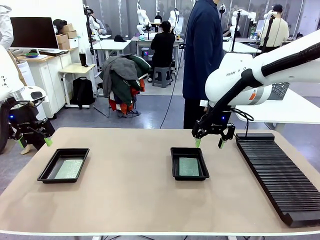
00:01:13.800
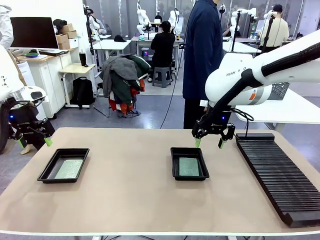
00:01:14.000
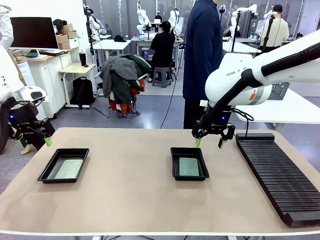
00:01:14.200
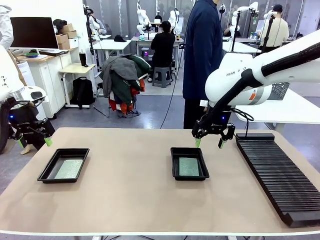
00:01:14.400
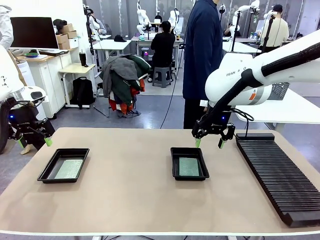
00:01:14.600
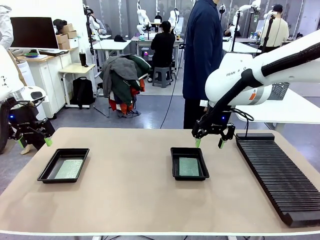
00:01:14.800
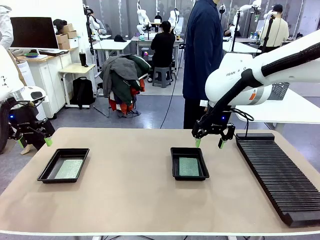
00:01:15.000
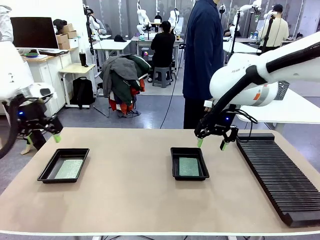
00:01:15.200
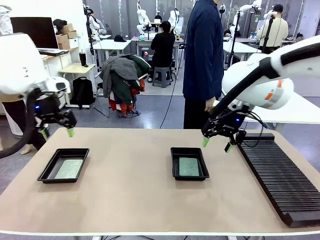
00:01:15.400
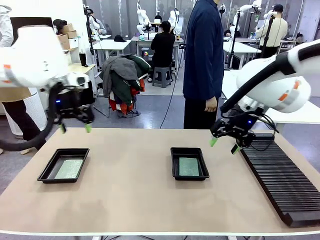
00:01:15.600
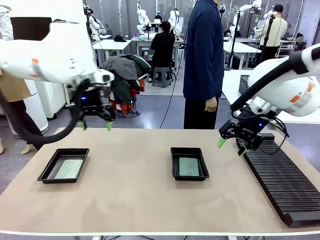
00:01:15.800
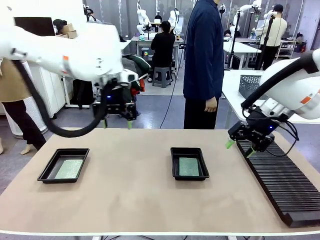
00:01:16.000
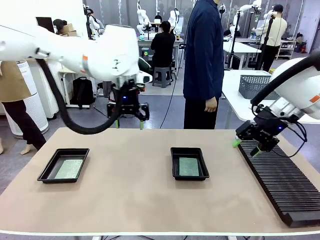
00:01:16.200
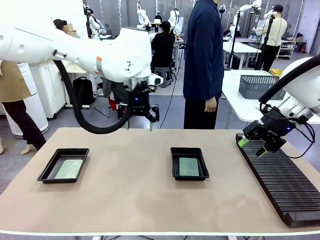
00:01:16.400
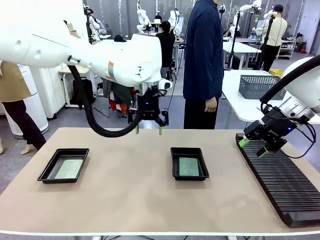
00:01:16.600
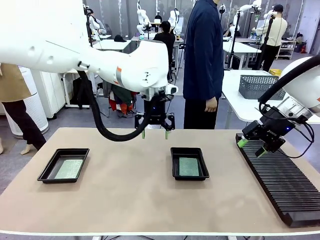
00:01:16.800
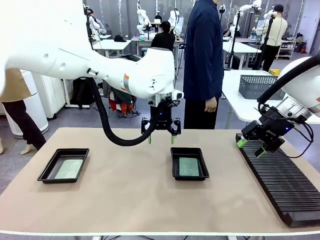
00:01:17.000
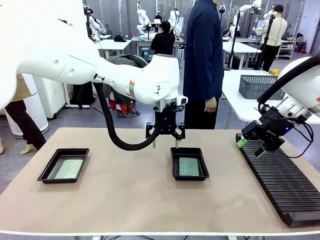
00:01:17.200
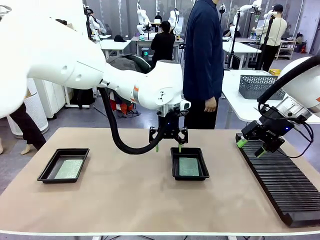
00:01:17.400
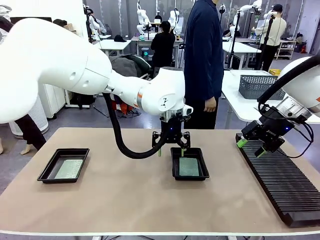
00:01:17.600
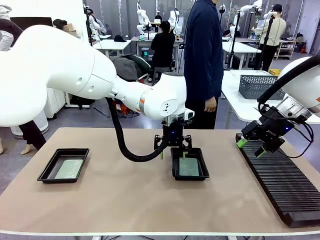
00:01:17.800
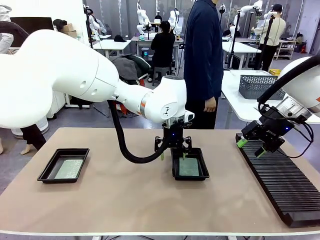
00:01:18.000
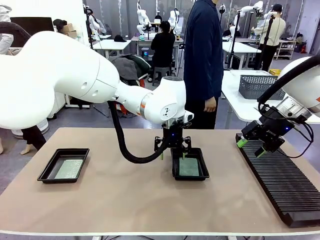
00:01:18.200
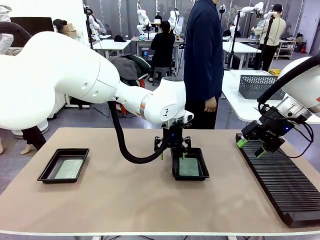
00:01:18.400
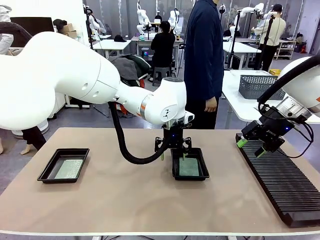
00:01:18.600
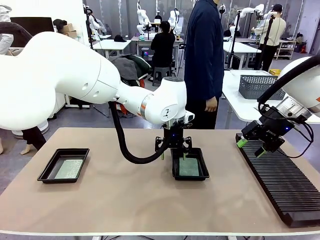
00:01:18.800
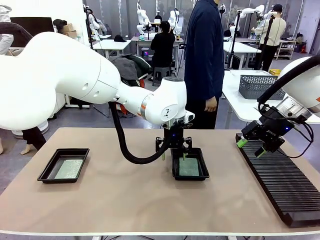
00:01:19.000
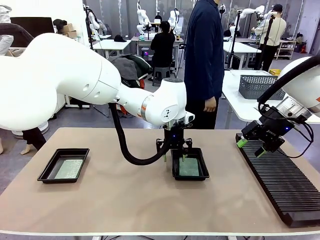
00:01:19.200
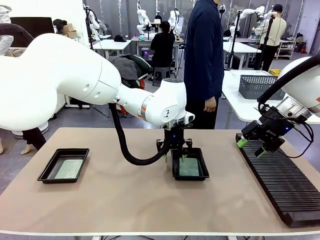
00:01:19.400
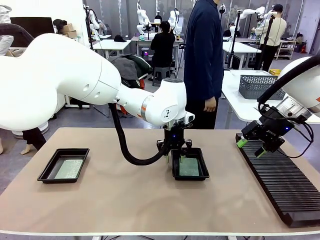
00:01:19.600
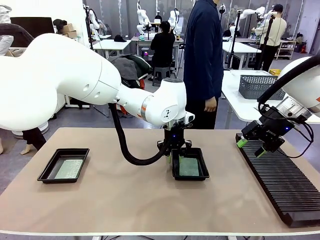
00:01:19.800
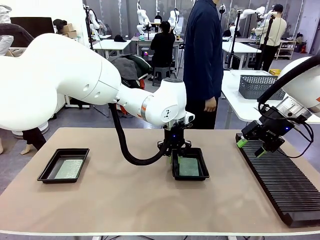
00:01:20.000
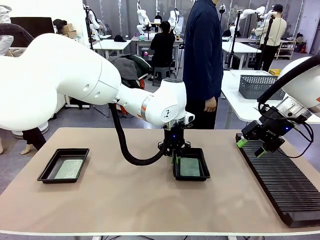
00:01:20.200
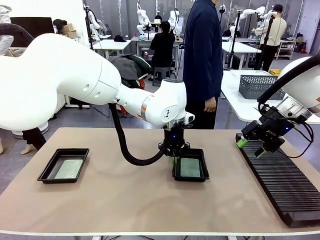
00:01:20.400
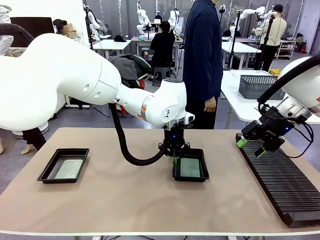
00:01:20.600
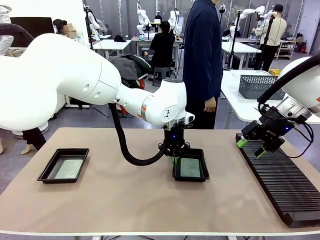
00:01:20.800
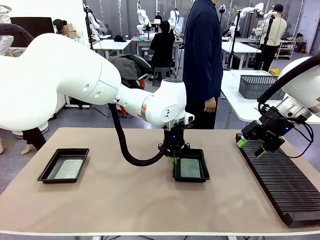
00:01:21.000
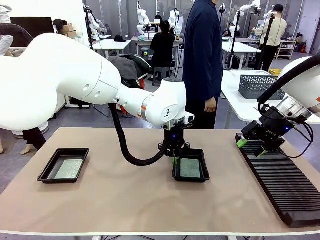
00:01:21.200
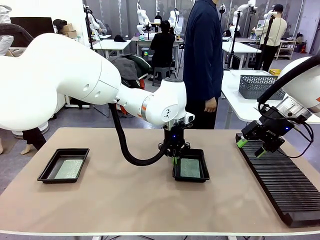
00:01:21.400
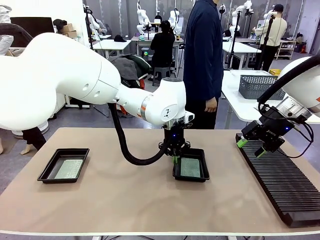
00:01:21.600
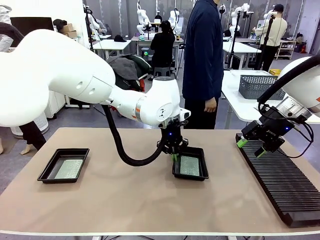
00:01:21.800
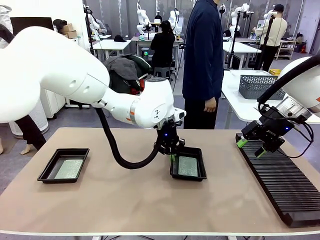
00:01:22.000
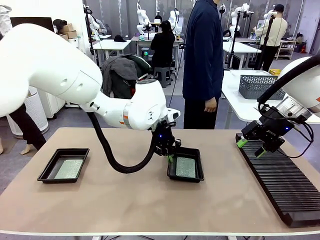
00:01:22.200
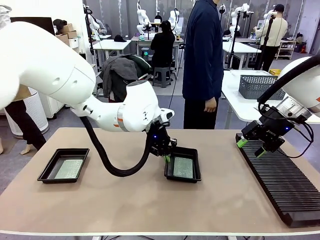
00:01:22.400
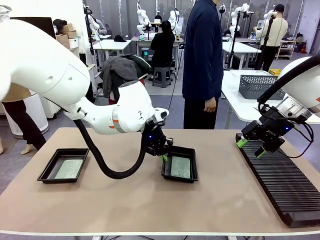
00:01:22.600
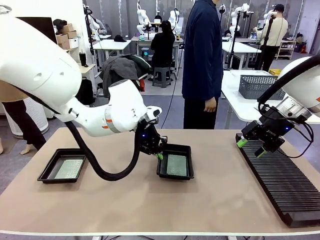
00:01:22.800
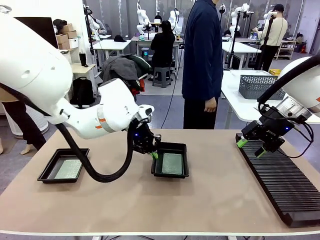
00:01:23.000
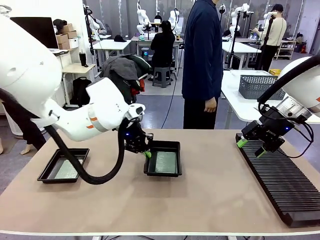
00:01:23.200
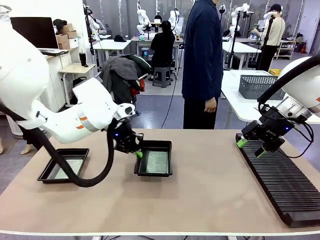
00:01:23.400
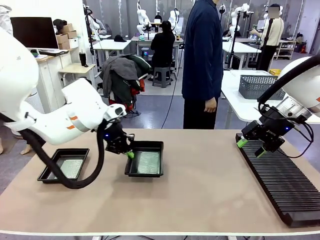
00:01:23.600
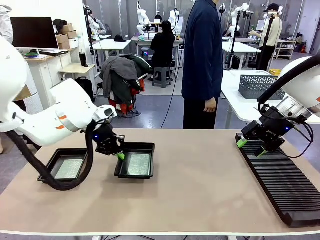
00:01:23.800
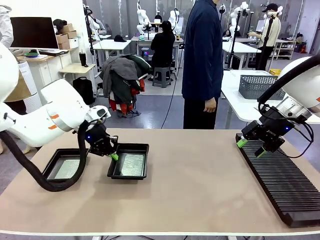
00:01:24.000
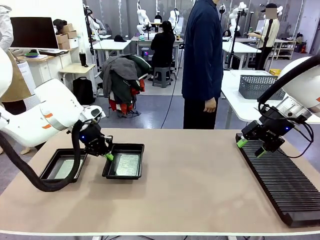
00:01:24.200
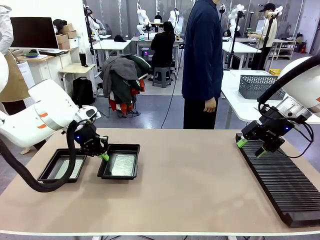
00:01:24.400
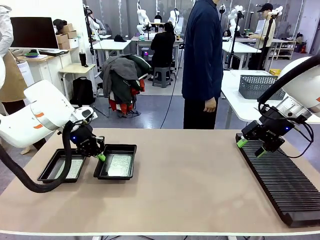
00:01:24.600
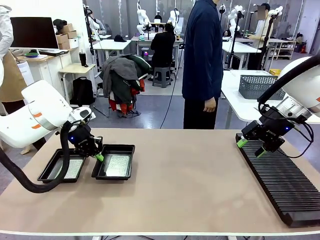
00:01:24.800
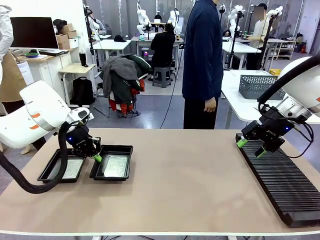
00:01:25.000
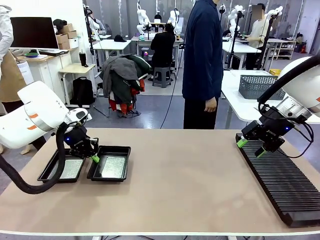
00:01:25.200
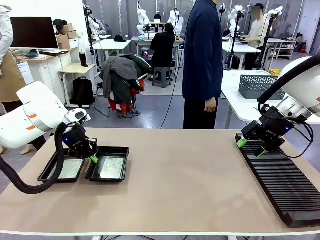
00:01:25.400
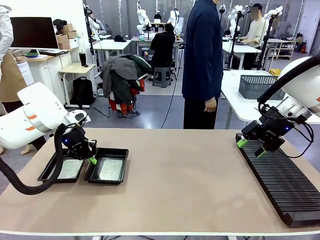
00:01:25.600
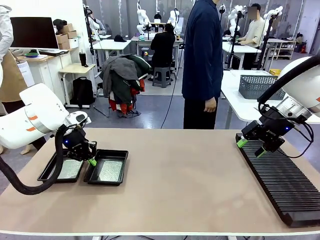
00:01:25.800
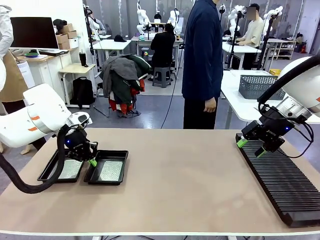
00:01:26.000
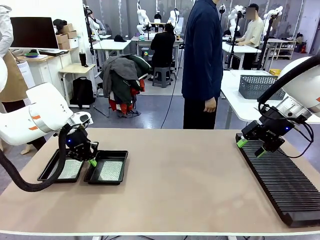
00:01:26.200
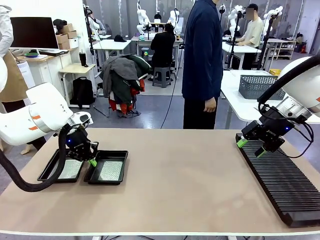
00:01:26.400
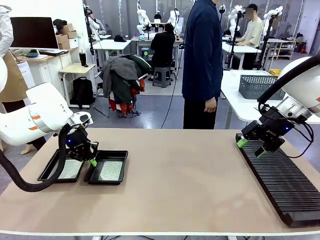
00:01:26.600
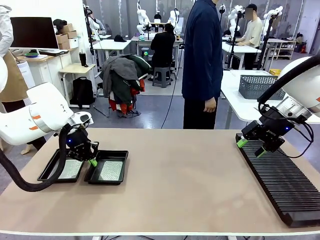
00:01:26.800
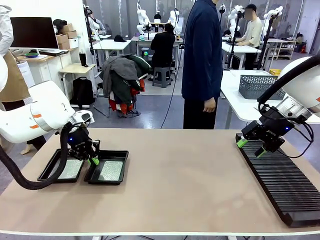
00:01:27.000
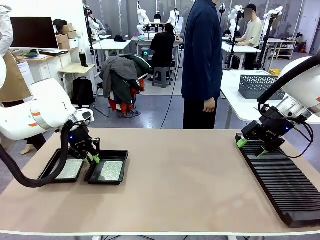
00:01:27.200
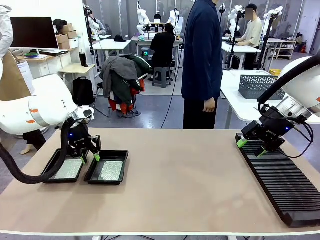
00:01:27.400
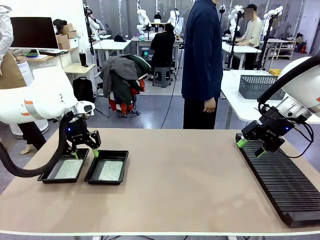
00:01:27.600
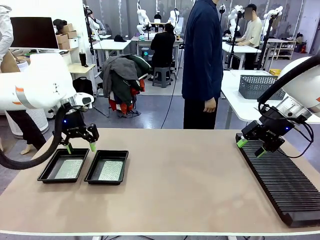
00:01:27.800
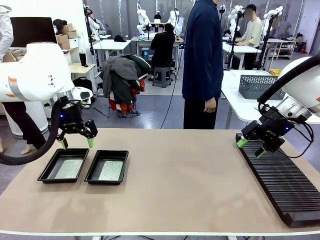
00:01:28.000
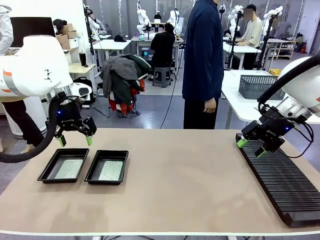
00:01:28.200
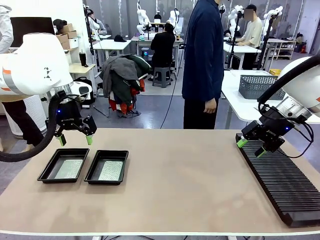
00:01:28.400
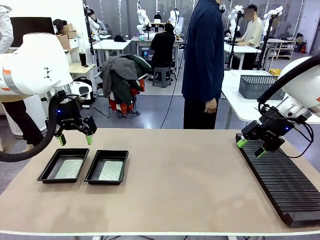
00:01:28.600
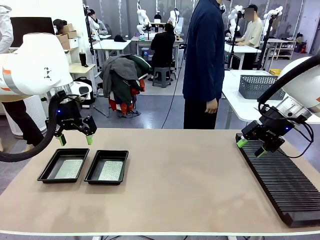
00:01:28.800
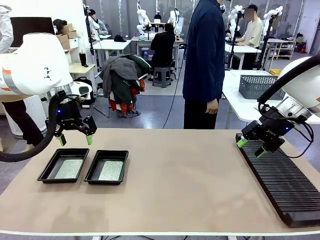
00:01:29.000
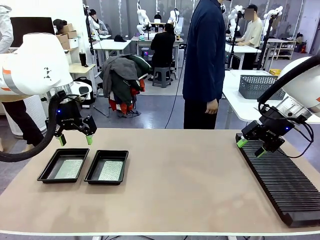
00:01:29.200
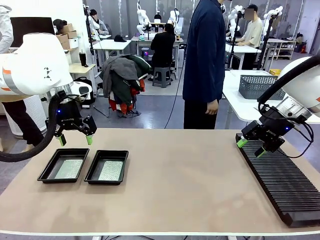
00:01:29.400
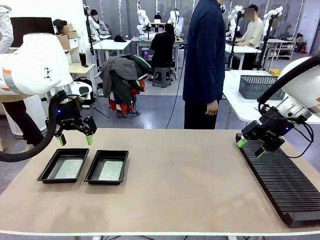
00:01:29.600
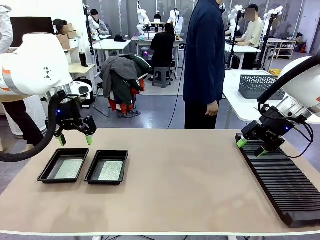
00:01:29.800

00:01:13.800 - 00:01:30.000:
Task: Inspect and transfer BCBs to ESD trays.
Robot: Pick up the ESD tray and place it on the left side of the table.
